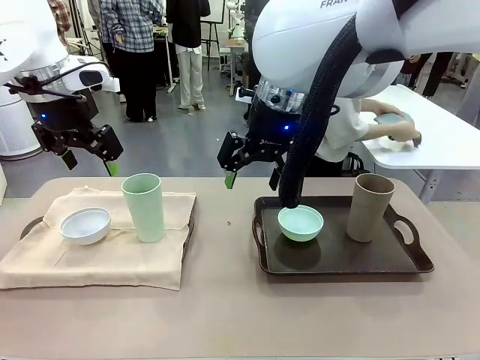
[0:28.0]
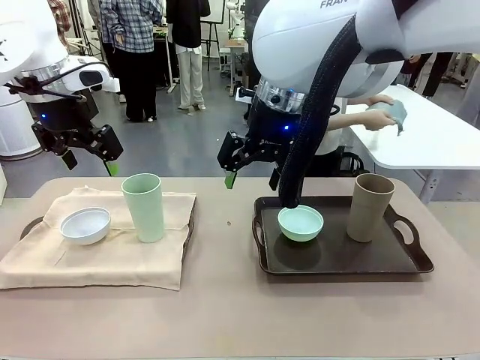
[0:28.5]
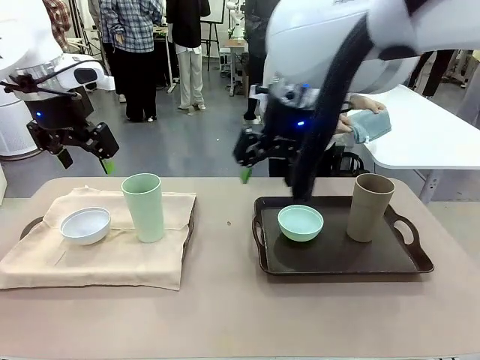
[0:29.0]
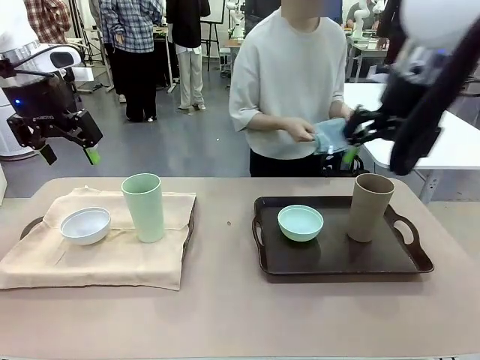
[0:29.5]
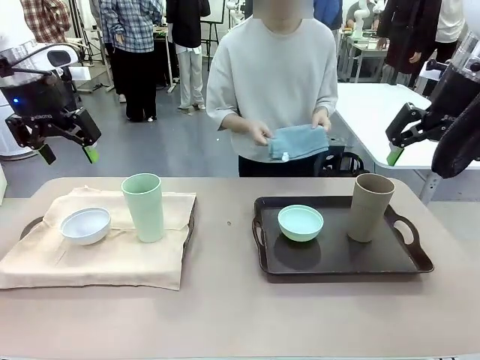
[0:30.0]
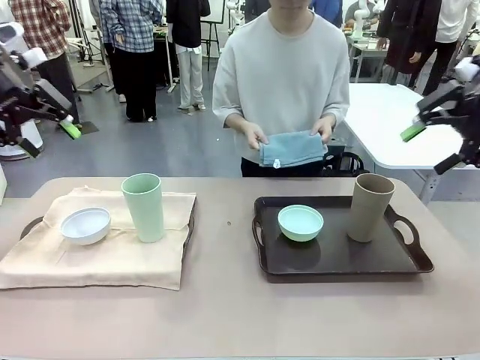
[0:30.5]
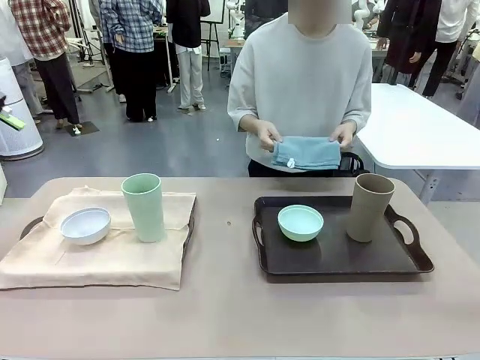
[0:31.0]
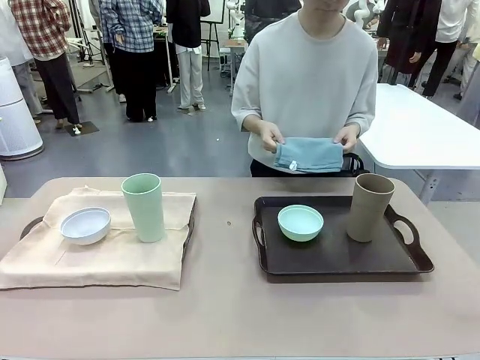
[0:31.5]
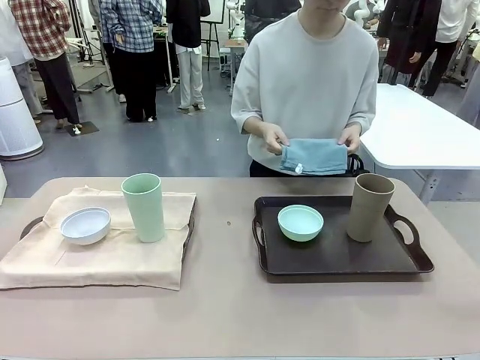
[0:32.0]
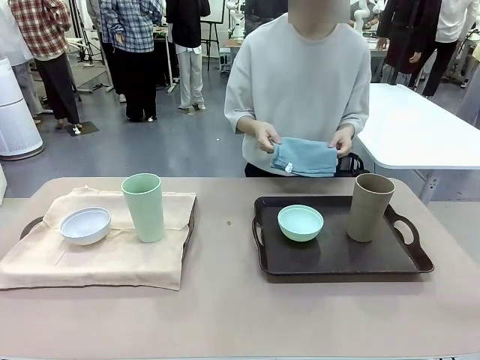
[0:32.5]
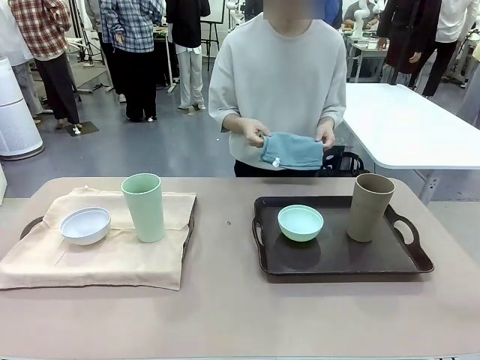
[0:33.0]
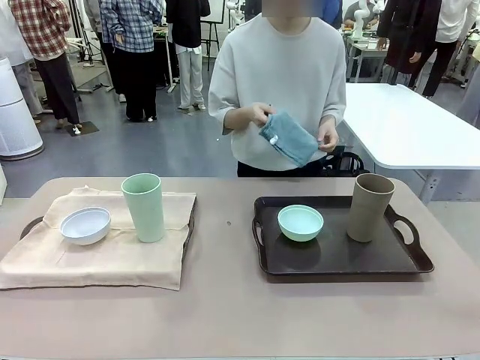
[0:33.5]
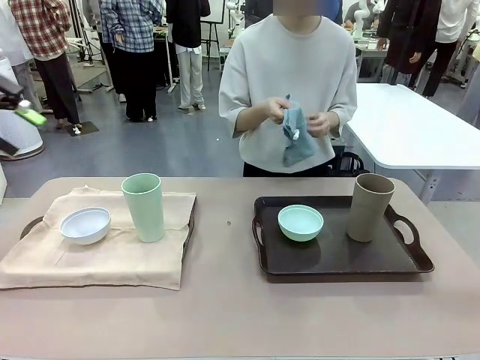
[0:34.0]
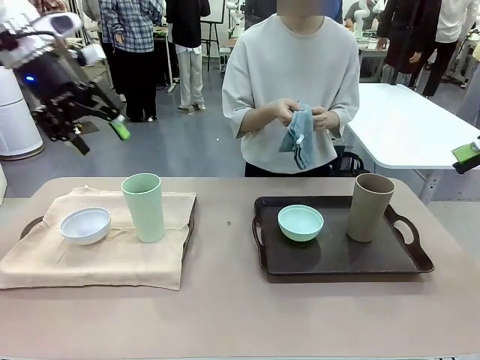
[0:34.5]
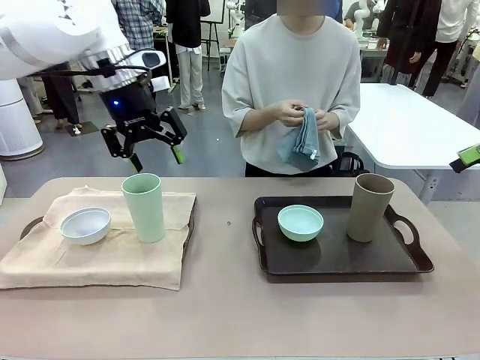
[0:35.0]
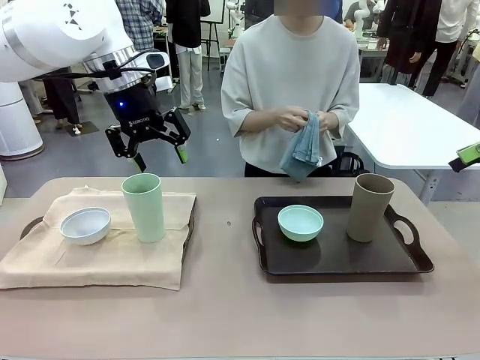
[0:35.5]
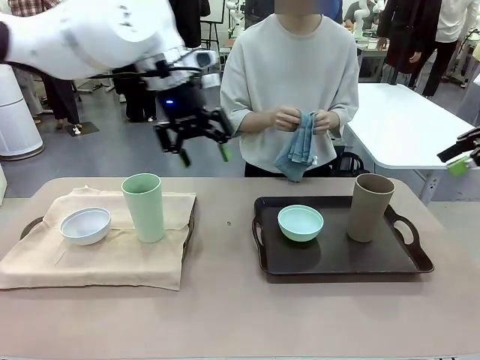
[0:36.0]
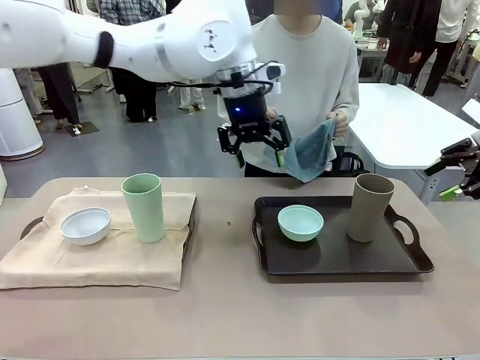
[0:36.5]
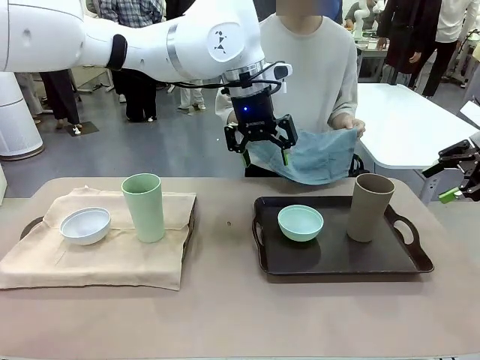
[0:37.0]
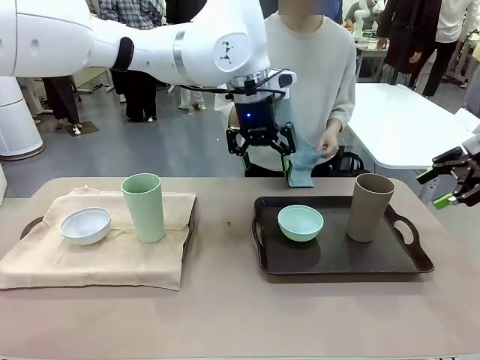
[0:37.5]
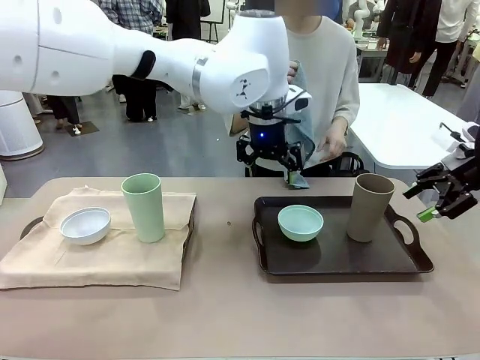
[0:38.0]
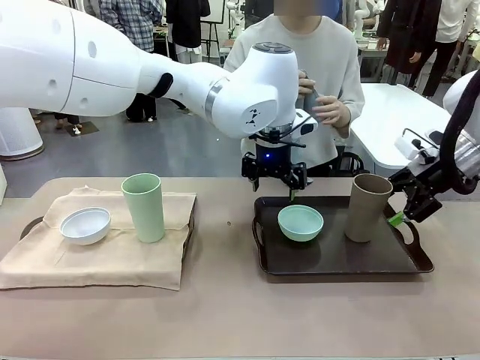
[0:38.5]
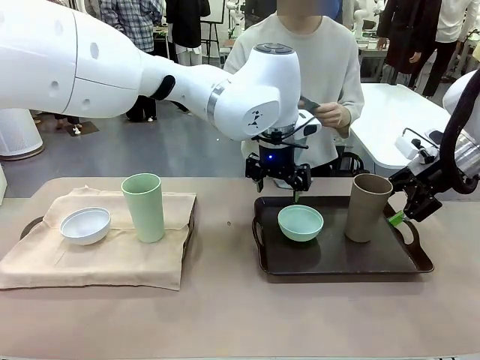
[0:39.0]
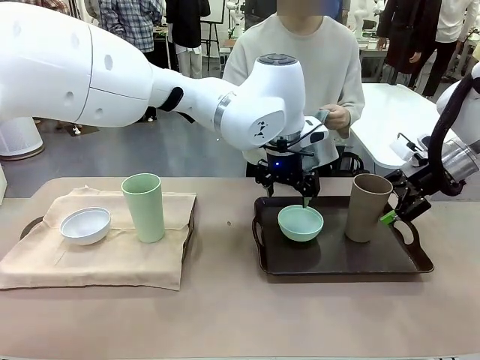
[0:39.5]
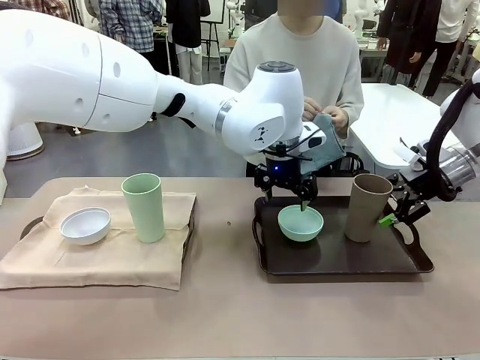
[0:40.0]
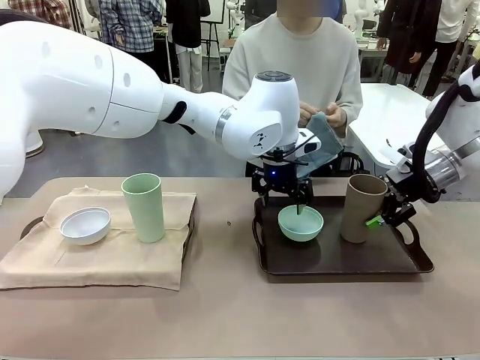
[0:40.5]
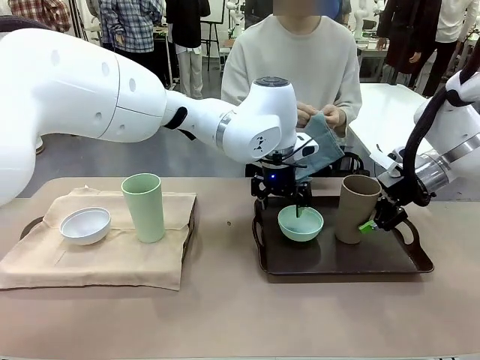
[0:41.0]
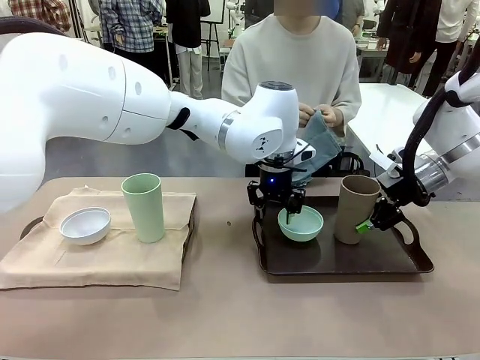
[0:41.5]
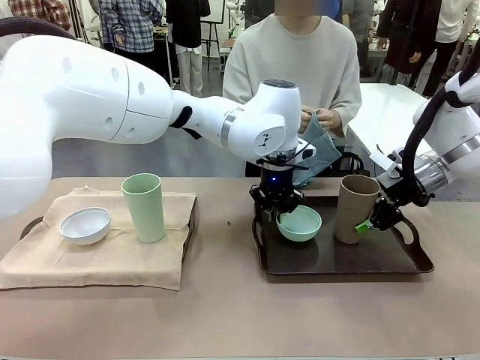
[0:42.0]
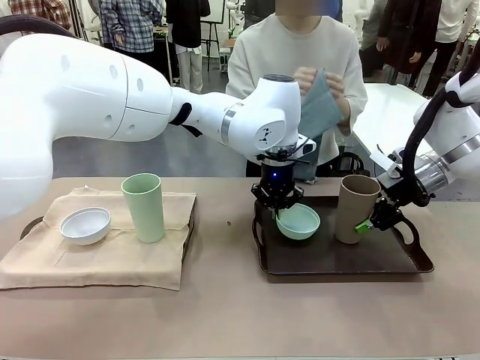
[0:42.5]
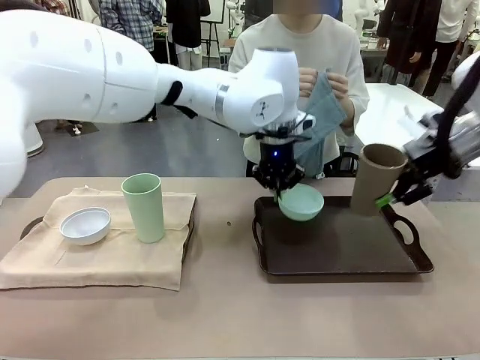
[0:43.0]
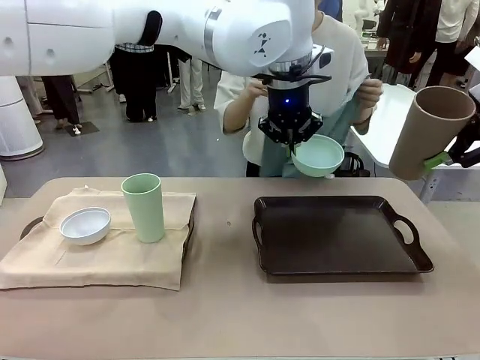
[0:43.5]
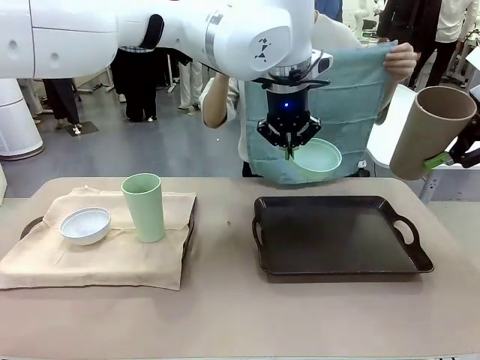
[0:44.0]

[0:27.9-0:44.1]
Robot: Pick up the Picnic Bowl and Reusable plastic cup from the Handle tray in front of the human's position and hold them in the air.

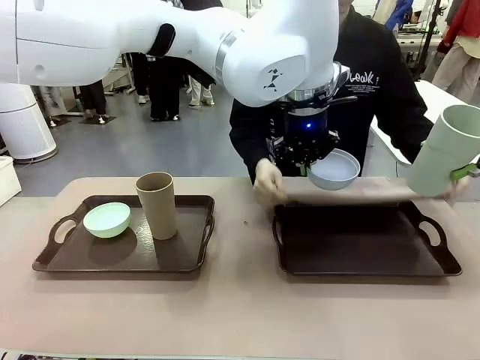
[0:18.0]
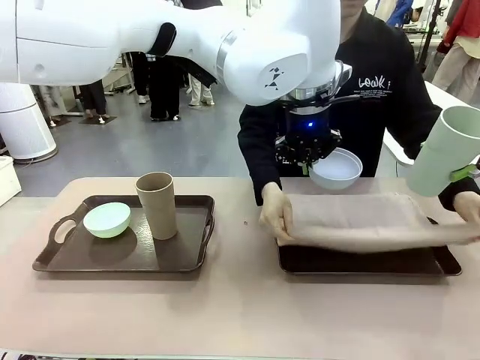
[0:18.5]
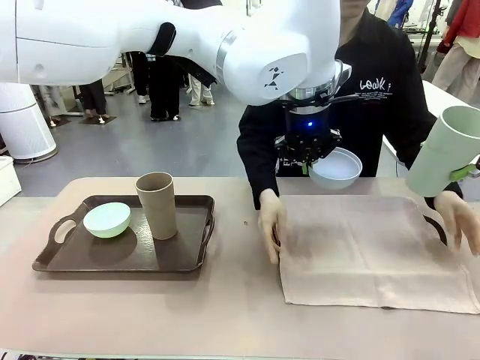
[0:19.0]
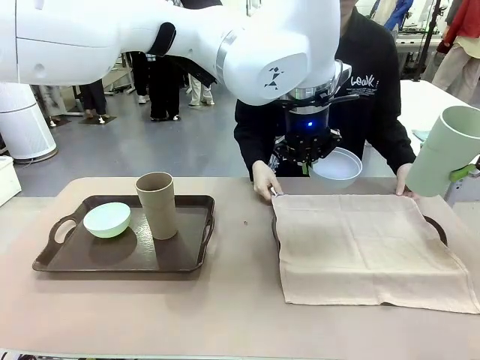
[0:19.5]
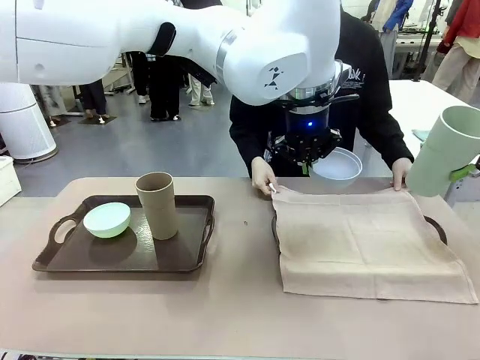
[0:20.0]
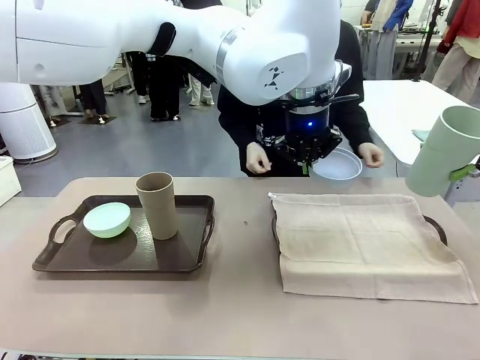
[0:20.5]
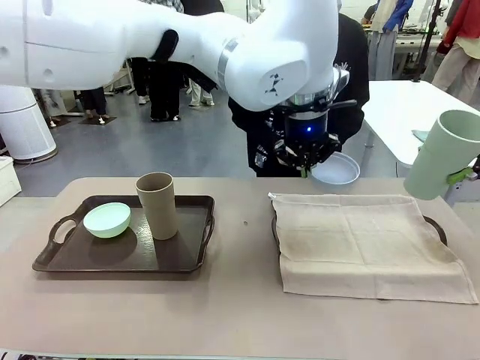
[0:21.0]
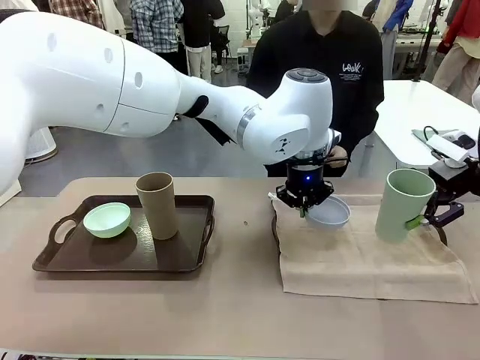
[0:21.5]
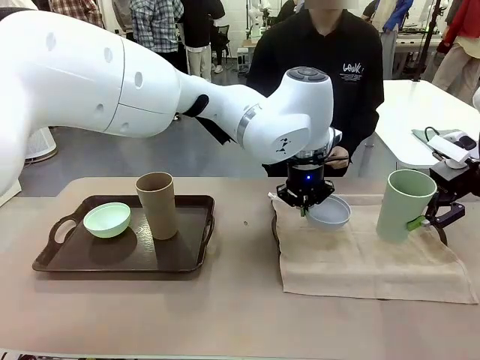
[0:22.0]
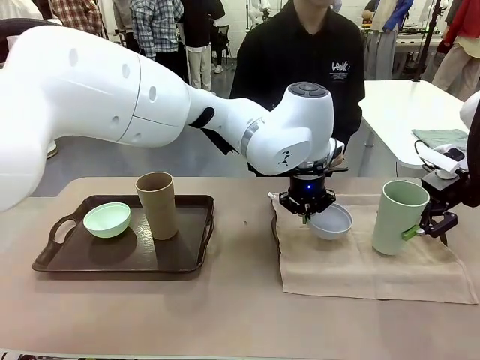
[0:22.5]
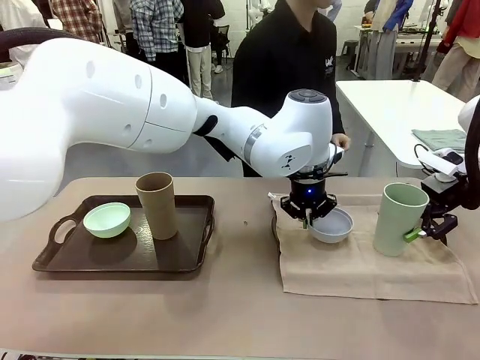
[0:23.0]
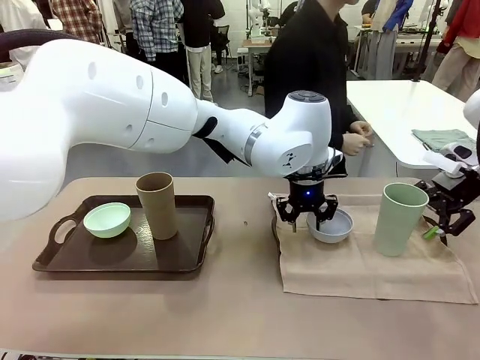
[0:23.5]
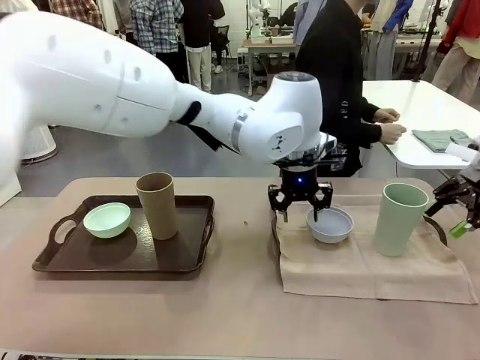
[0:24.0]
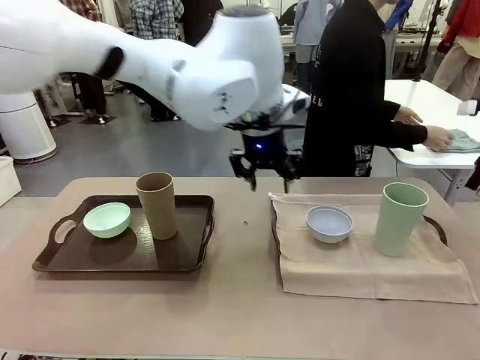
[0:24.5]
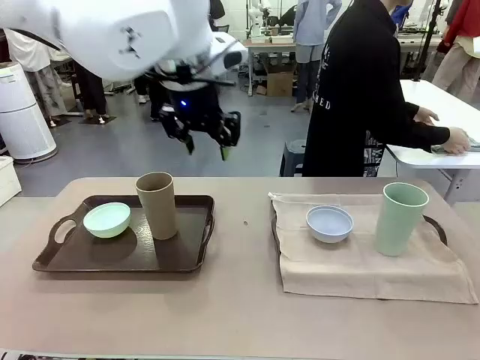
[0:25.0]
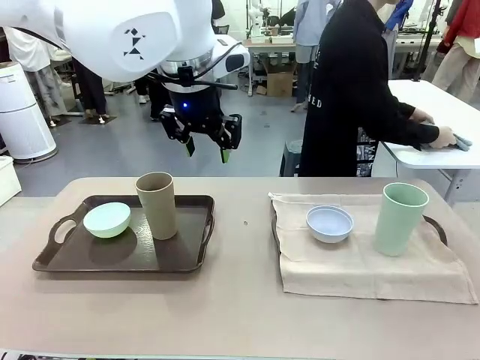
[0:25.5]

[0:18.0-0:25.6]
Robot: Place the Picnic Bowl and Reusable plastic cup back onto the Handle tray in front of the human's position.
